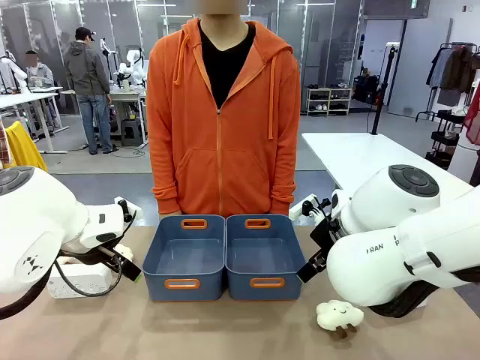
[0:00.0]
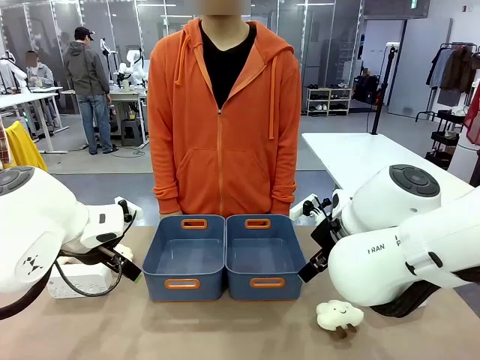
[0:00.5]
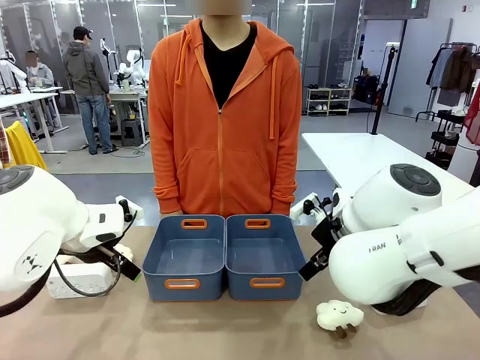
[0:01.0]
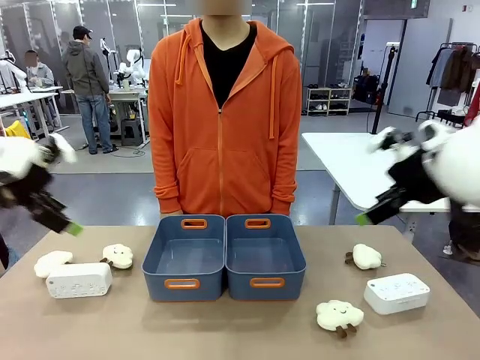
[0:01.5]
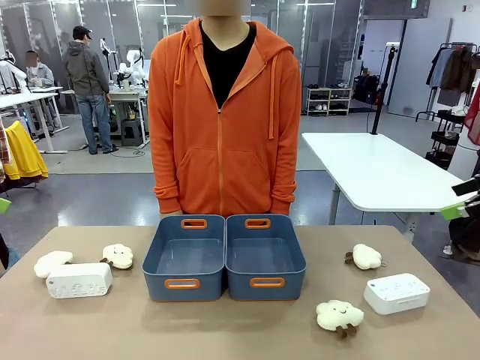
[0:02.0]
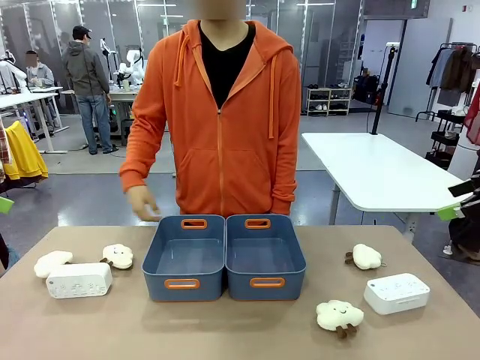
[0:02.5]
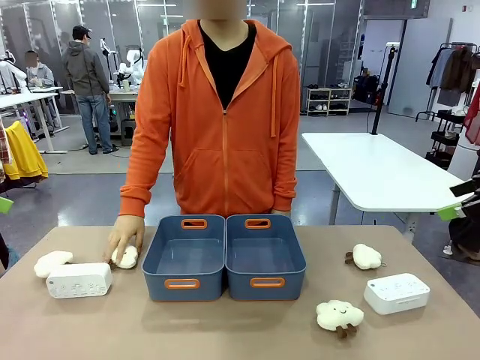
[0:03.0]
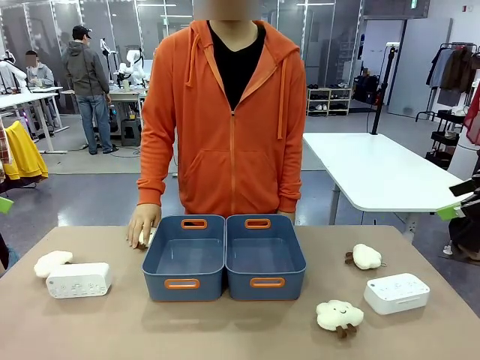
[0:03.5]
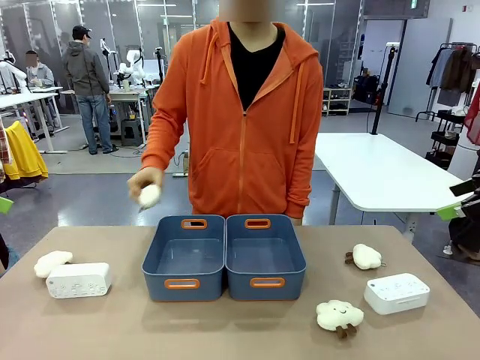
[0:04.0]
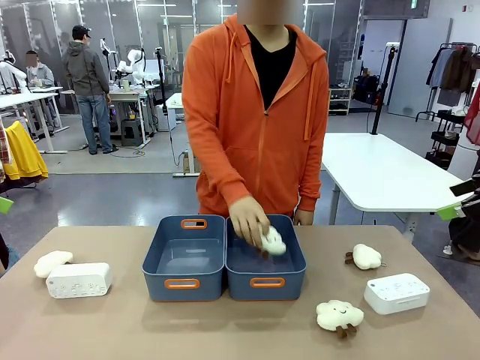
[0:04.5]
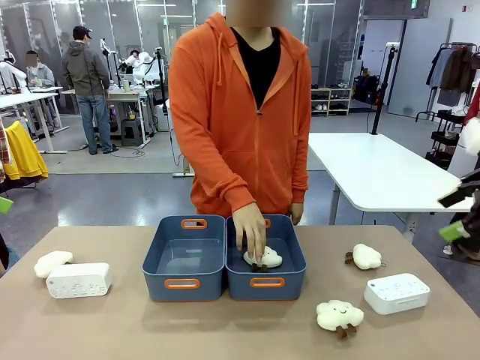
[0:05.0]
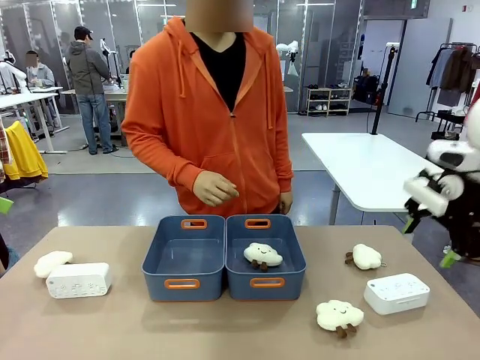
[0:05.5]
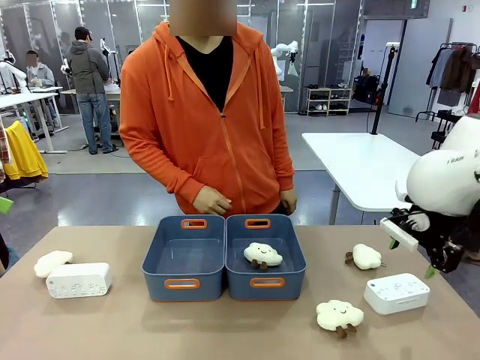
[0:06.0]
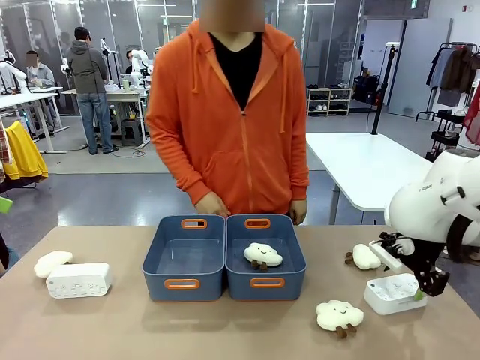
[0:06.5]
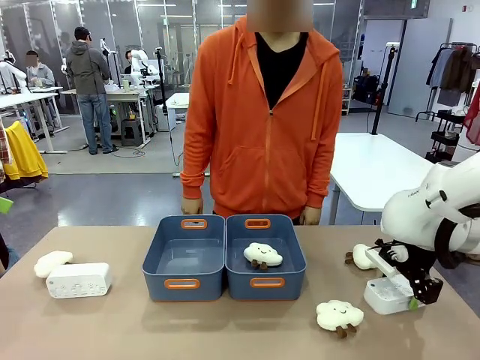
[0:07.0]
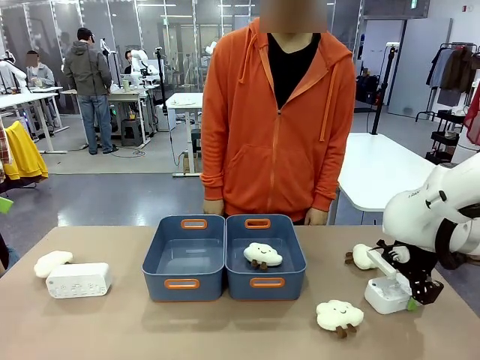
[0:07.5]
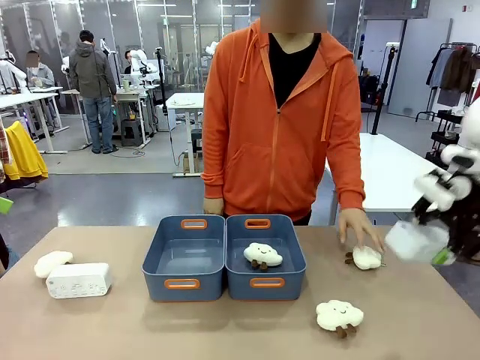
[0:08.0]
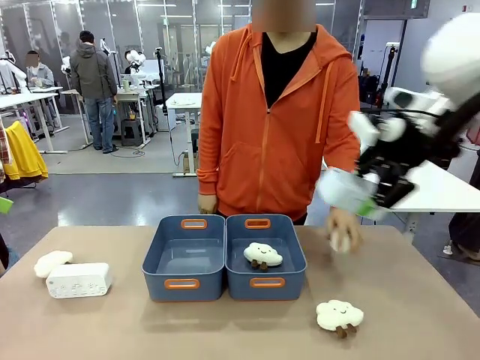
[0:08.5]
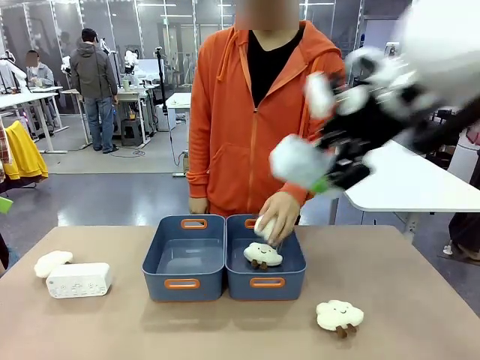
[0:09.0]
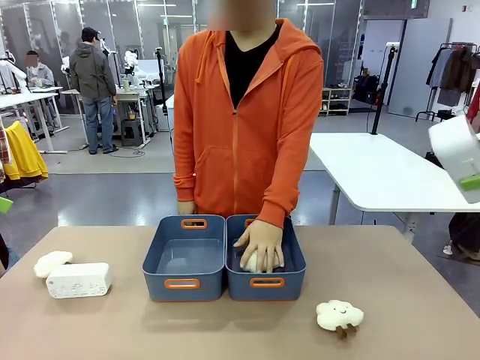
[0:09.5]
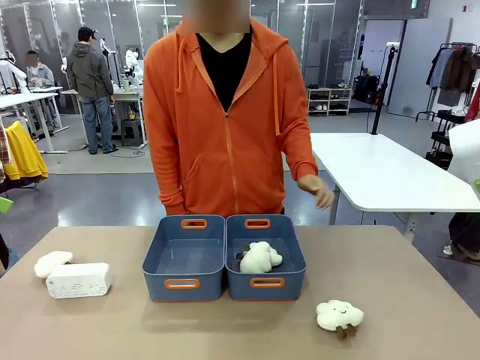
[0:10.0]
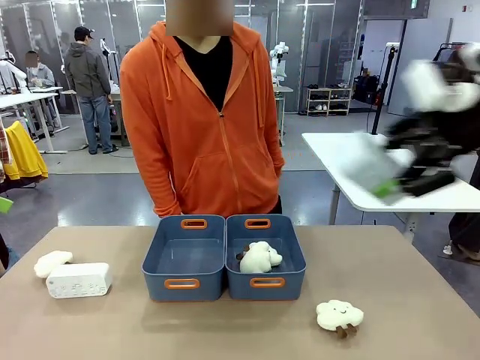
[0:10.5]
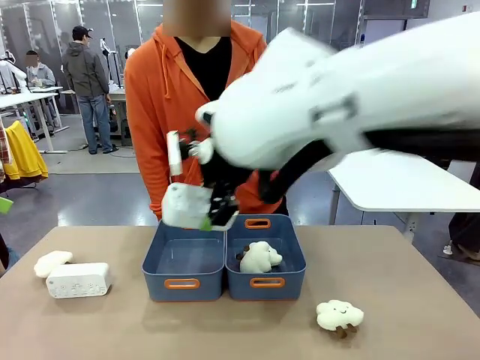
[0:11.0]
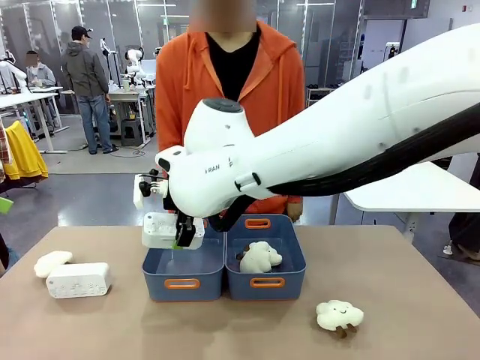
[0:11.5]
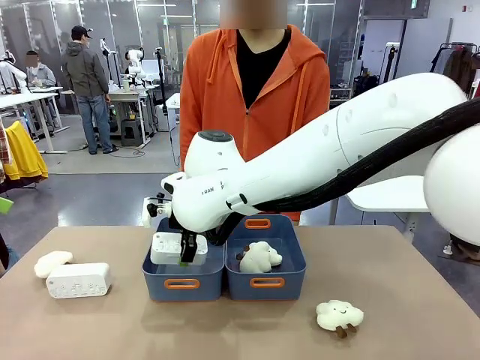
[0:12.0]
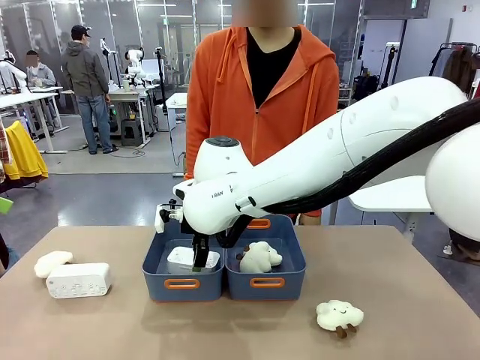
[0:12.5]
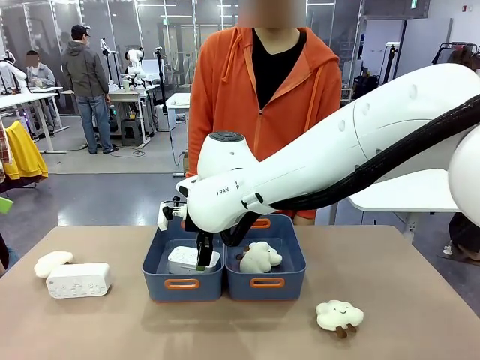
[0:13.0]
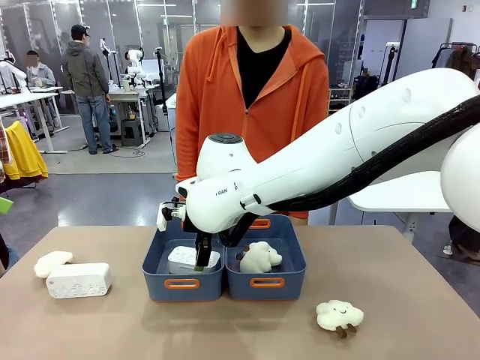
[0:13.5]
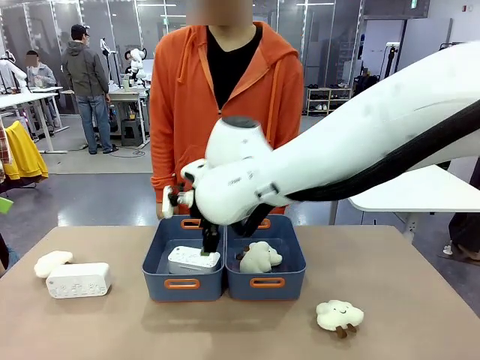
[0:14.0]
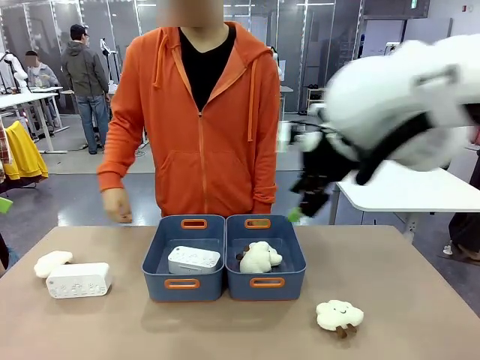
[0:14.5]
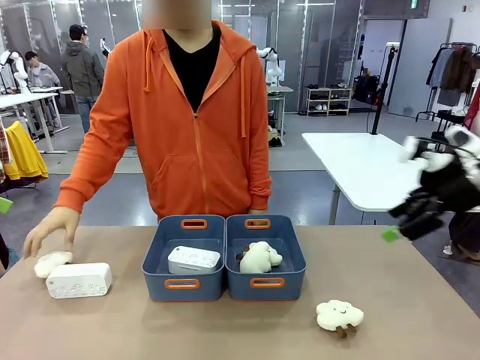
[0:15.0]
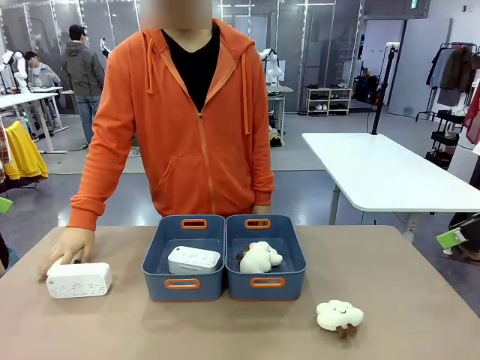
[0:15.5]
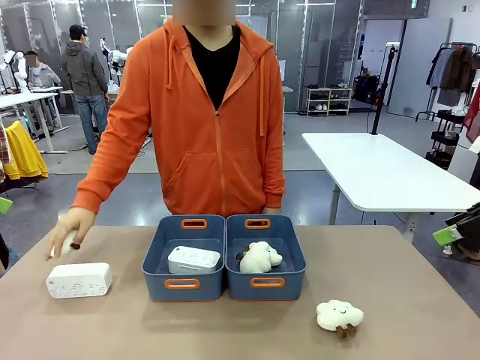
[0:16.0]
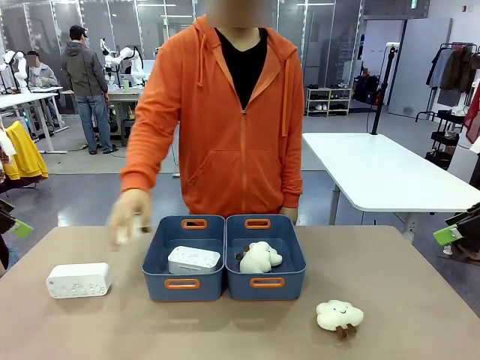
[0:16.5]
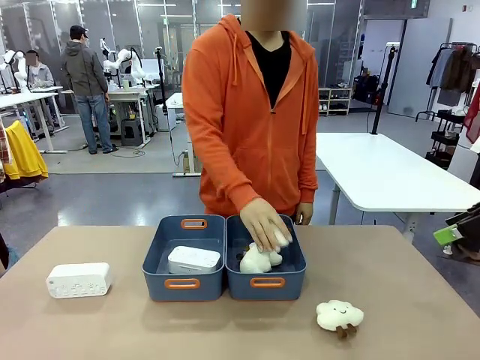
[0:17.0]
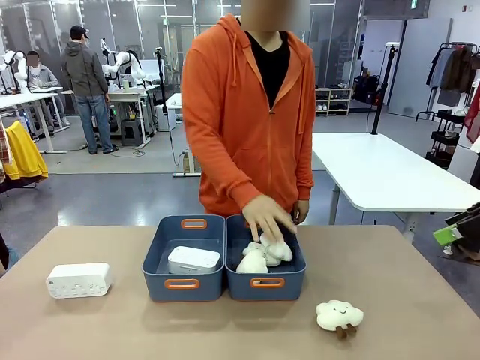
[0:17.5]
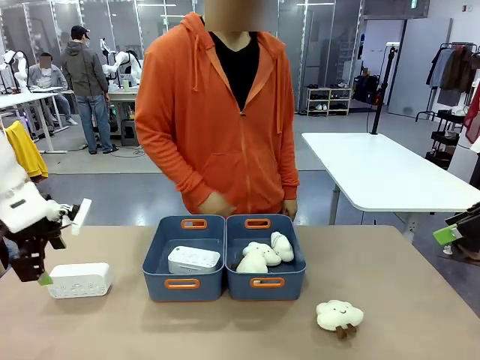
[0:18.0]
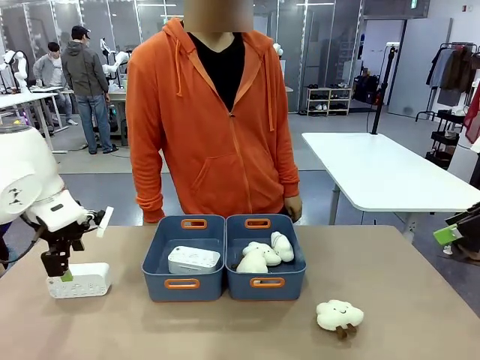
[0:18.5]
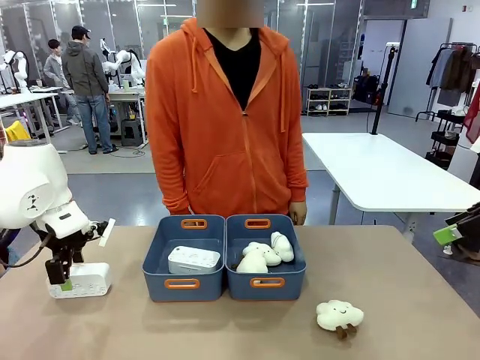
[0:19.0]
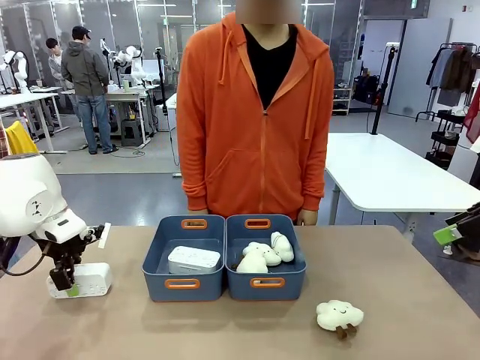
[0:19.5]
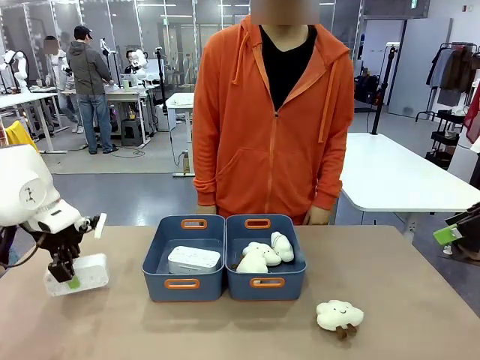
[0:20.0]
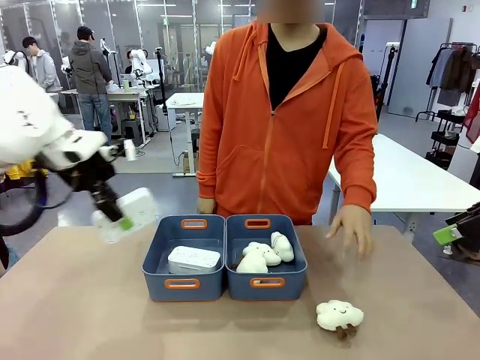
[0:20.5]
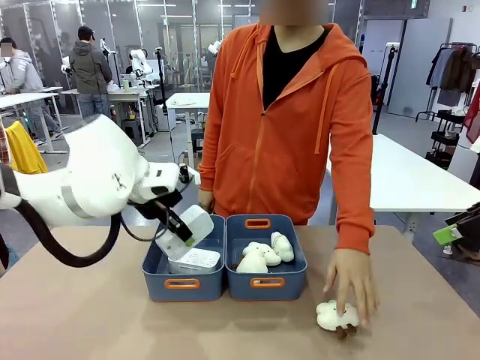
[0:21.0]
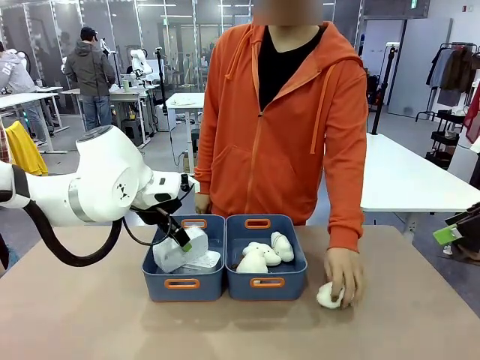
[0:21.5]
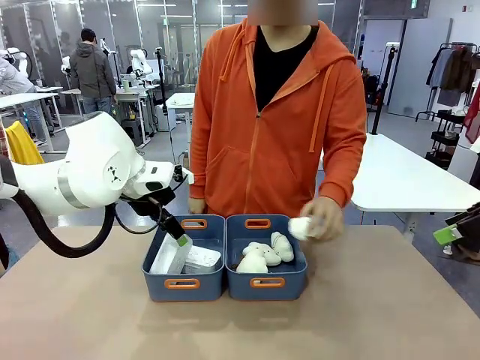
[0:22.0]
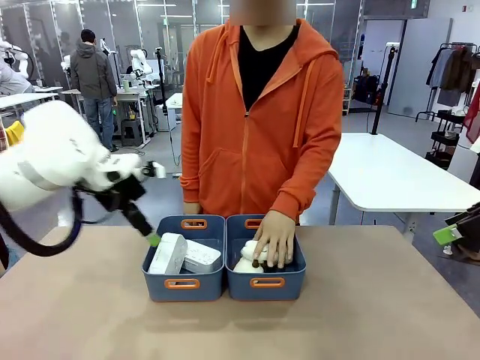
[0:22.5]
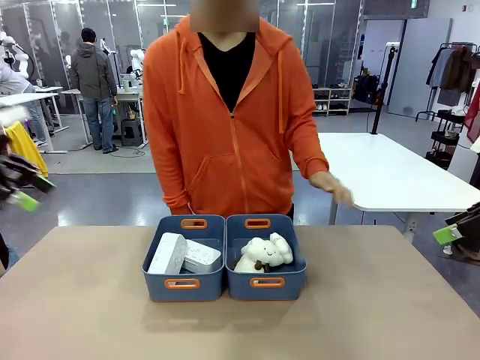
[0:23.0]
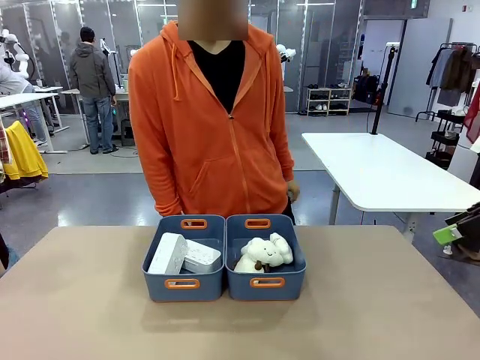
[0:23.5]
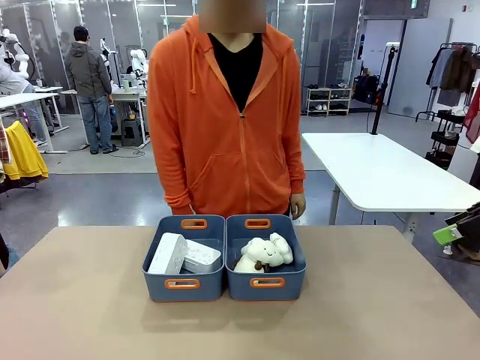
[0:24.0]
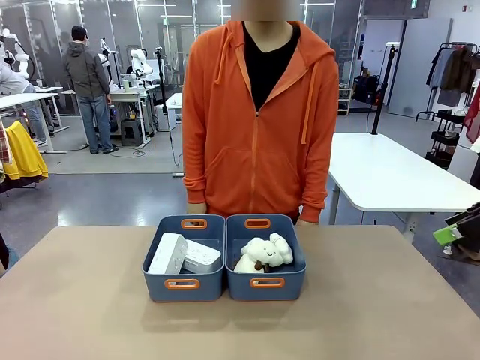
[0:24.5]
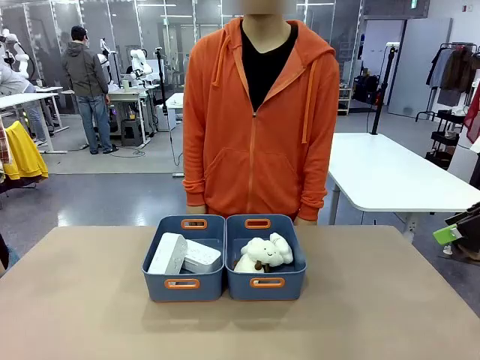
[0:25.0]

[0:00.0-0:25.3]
Task: Sort the digital clocks into the basket.
Robot: Pick up the Digital clock from the table and place it into the empty Plastic storage basket.
Person: Pick up a plush toy from the table and place it in a plastic storage basket. Pick up a plush toy from the table and place it in the plastic storage basket containing the plush toy.
